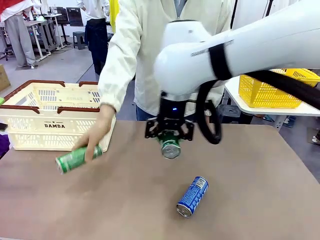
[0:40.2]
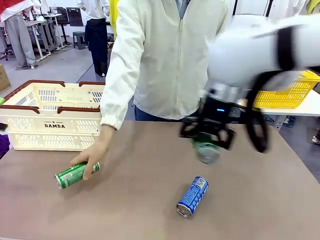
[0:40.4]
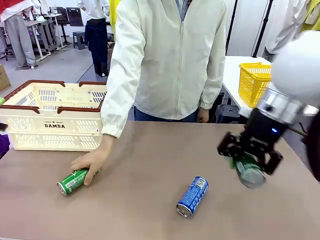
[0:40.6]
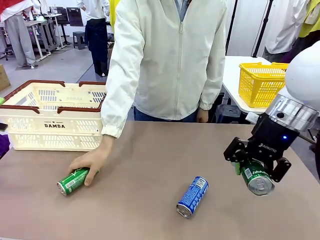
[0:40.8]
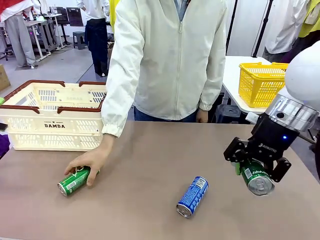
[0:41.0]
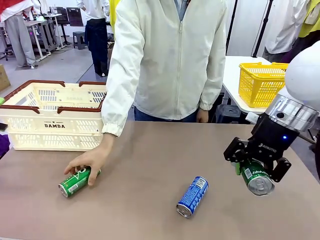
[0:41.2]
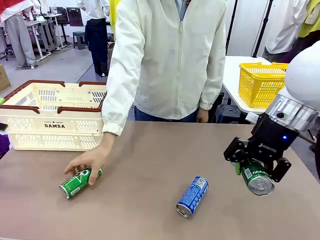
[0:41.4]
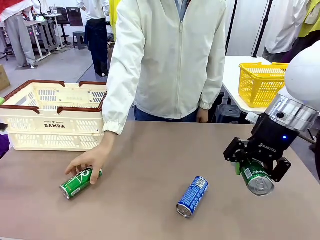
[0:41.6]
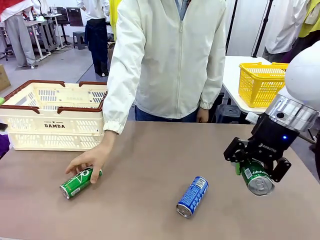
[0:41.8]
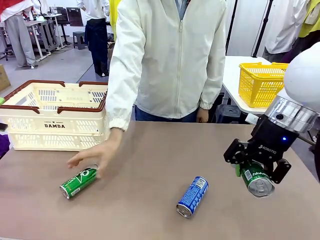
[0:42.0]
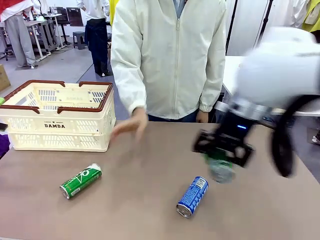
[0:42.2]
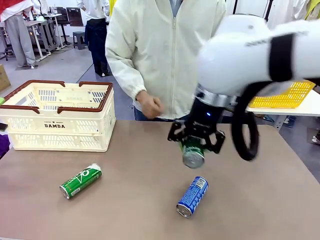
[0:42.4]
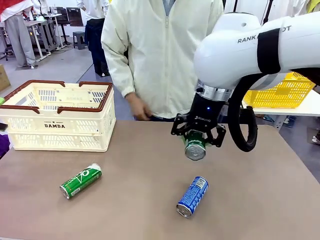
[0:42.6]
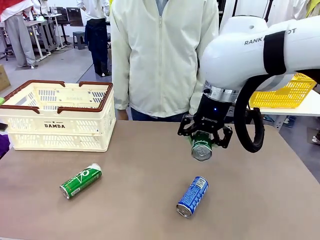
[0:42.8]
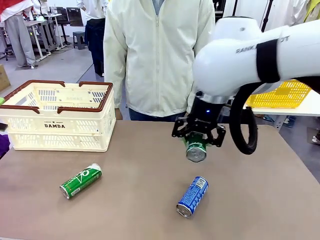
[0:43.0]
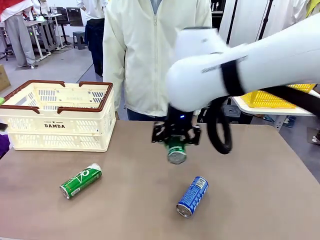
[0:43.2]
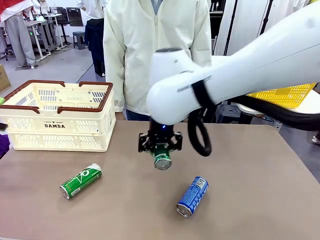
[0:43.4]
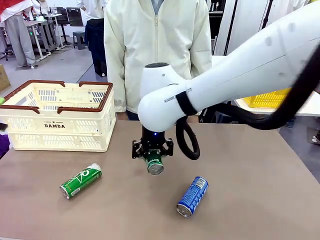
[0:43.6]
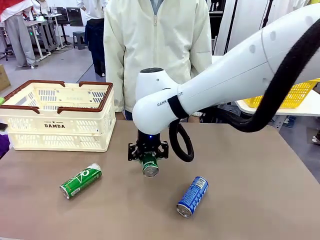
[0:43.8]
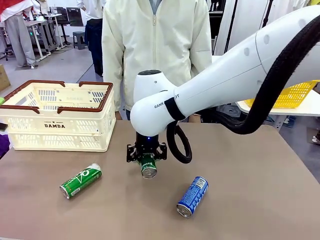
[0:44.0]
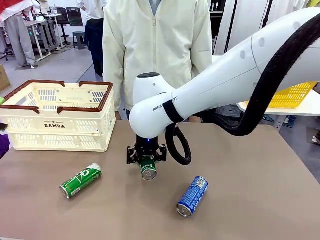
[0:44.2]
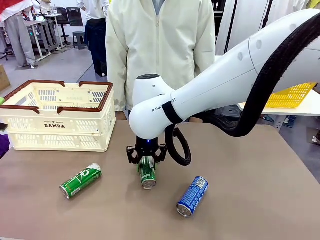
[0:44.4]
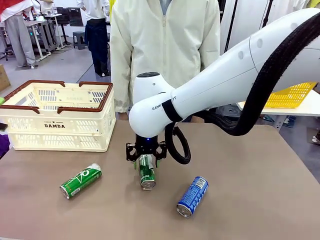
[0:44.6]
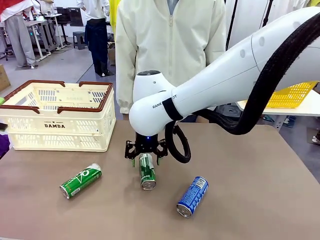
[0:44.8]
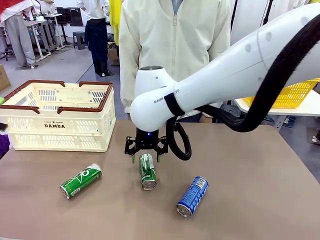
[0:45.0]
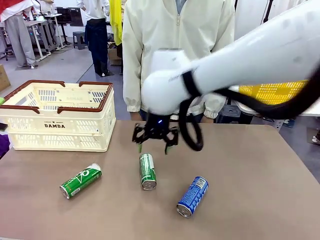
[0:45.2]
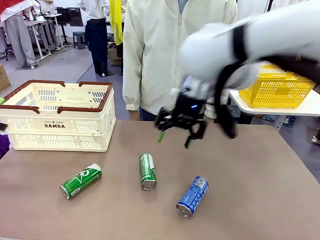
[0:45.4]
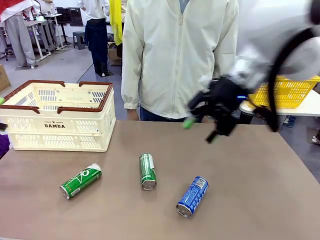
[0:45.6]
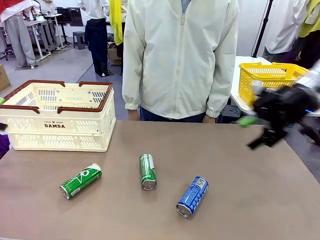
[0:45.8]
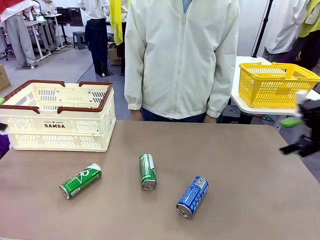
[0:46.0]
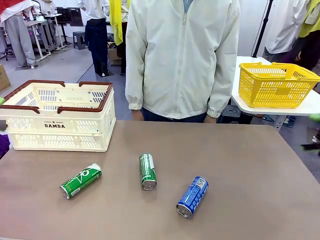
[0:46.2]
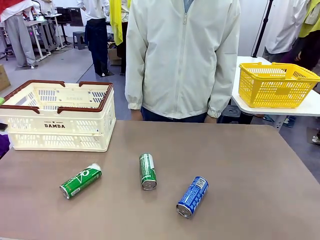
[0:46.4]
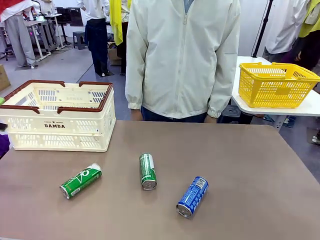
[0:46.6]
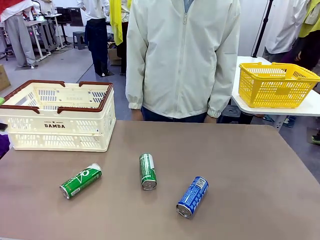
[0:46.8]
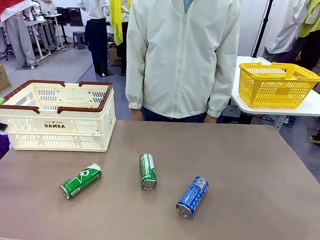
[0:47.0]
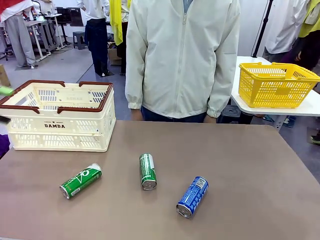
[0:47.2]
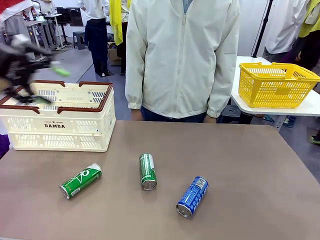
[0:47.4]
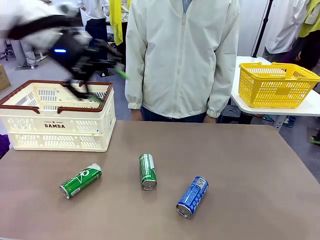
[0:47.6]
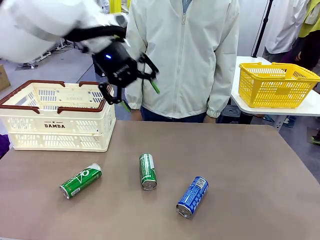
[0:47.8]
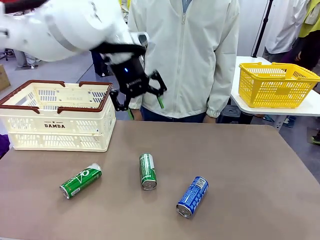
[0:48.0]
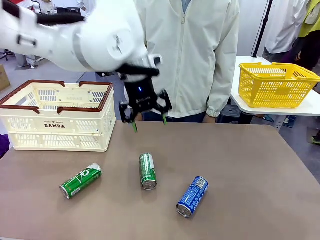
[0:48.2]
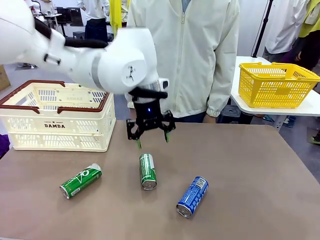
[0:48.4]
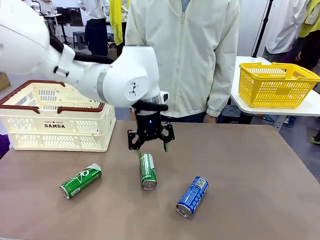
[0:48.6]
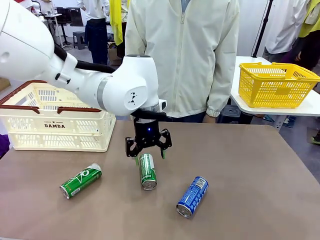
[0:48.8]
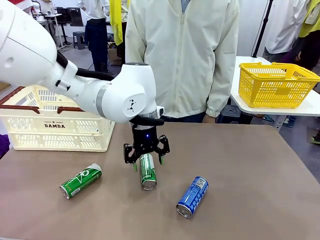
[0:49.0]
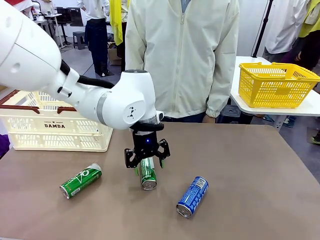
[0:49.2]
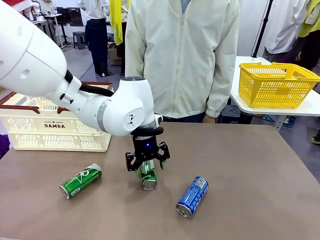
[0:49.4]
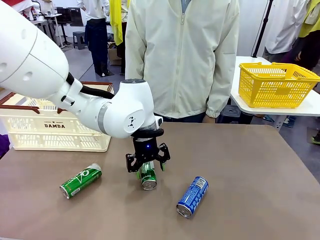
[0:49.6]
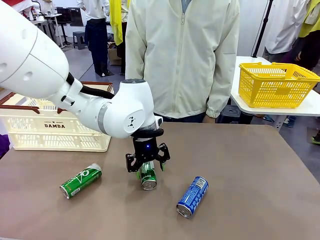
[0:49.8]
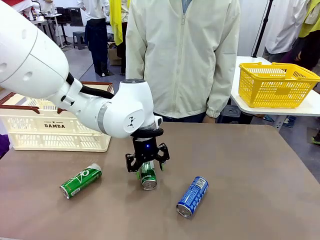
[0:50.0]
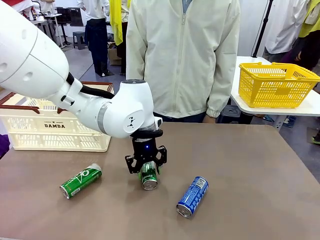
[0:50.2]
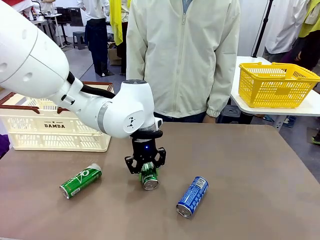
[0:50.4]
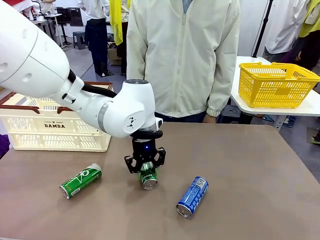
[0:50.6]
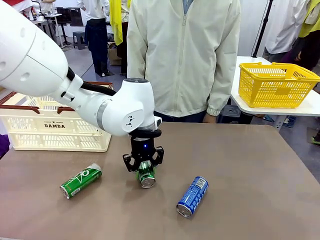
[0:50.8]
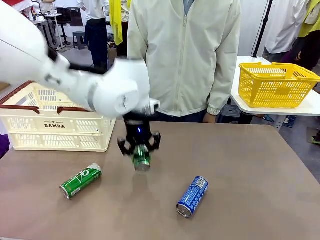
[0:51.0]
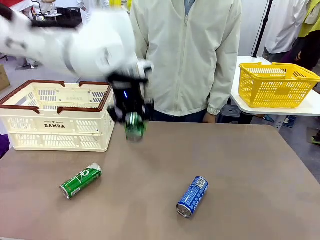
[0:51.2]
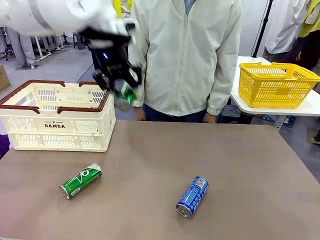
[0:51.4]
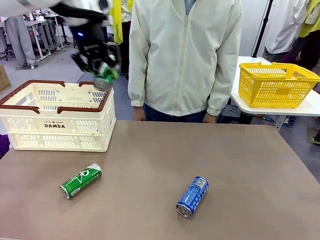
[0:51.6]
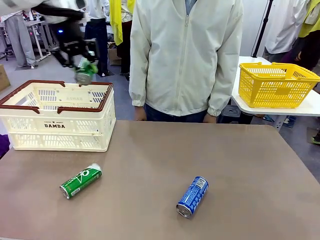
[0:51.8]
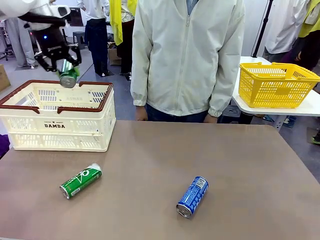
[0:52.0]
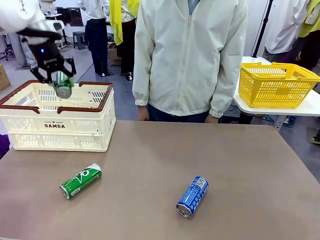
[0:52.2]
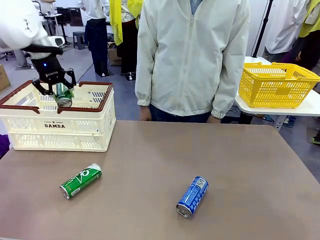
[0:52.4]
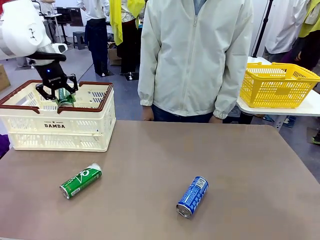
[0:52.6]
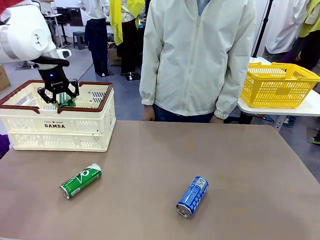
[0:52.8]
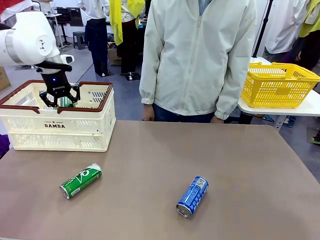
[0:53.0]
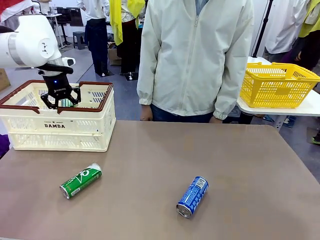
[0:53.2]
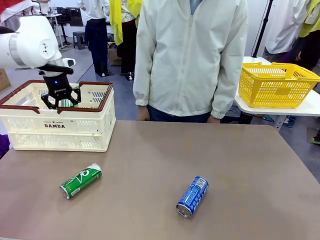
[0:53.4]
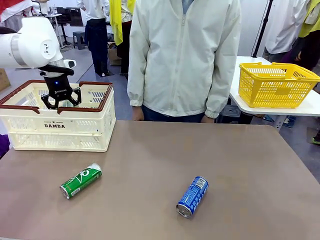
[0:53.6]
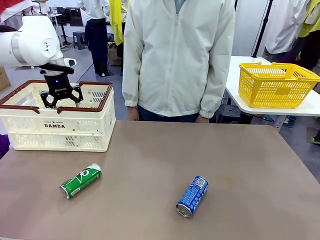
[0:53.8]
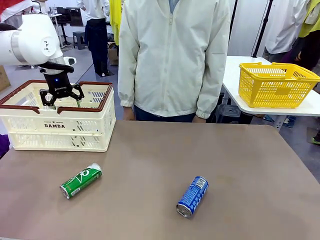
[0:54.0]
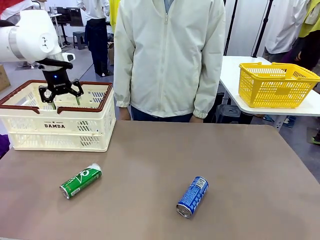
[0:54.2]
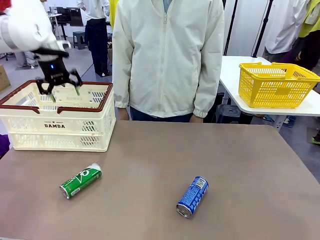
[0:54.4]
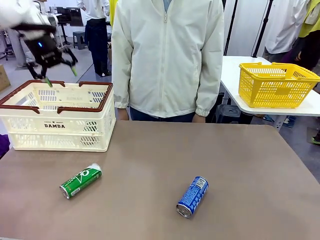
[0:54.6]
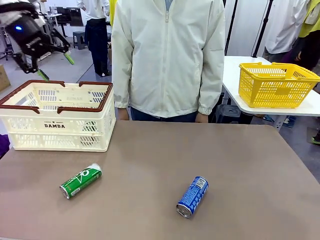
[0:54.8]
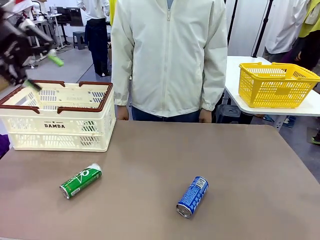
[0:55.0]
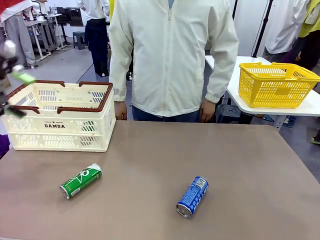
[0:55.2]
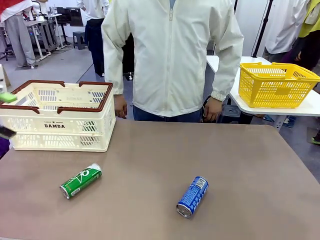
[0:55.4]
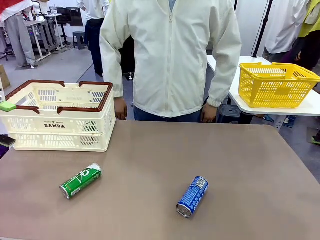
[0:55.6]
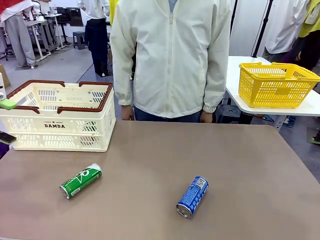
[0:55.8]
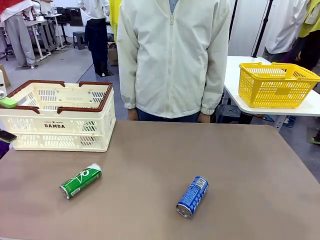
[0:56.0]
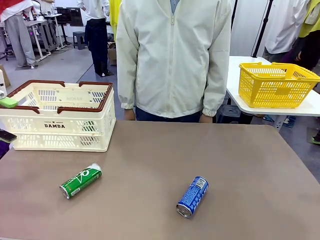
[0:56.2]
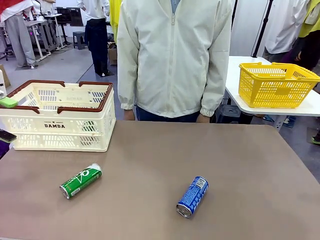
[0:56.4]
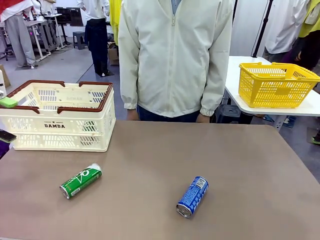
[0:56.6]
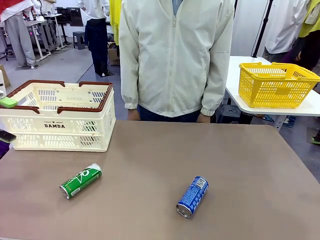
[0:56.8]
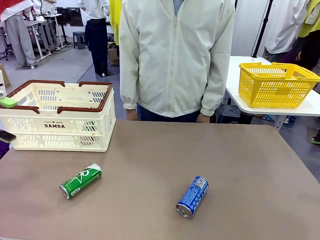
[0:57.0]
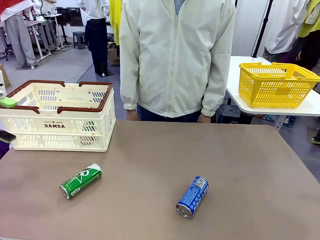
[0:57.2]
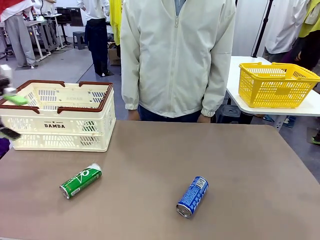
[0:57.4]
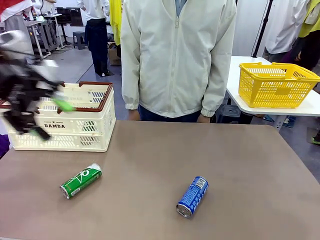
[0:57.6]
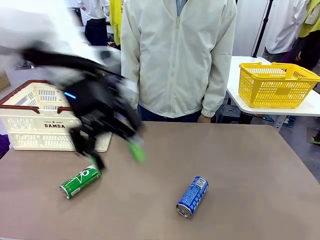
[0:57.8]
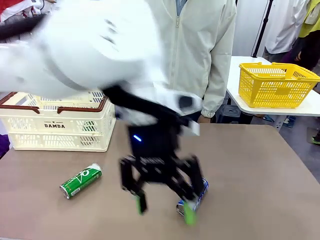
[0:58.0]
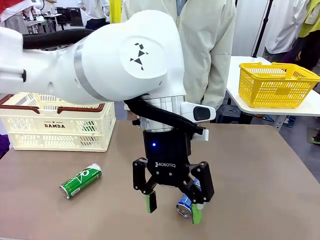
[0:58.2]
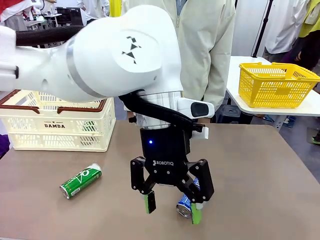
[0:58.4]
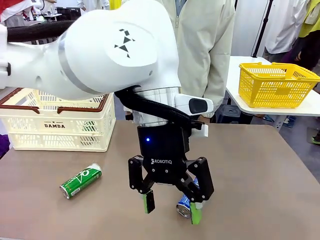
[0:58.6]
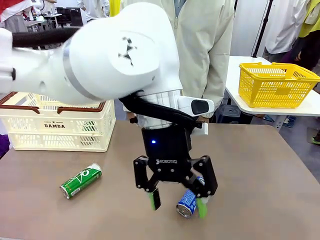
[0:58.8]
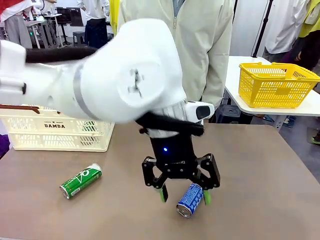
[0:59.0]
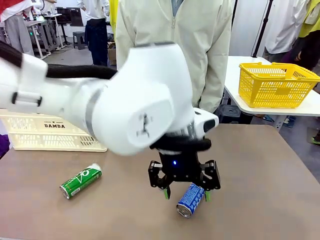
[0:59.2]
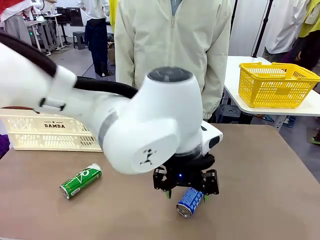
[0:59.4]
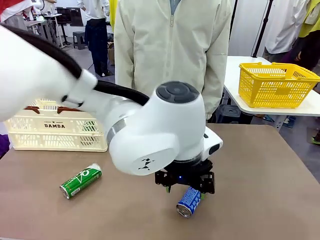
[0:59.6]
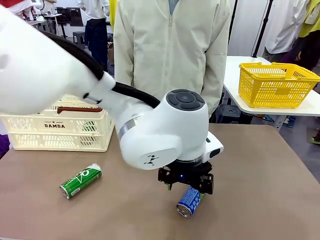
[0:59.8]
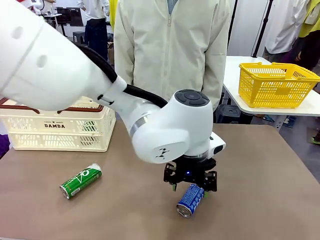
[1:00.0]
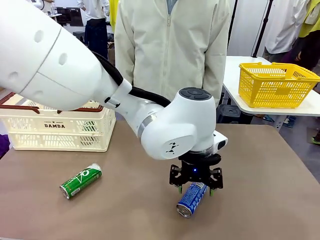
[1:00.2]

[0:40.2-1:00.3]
Task: Place the drinks into the Shopping basket.
Robot: Pick up one drink and place it into the Shopping basket.
